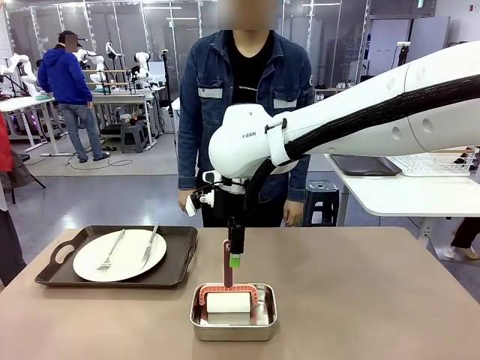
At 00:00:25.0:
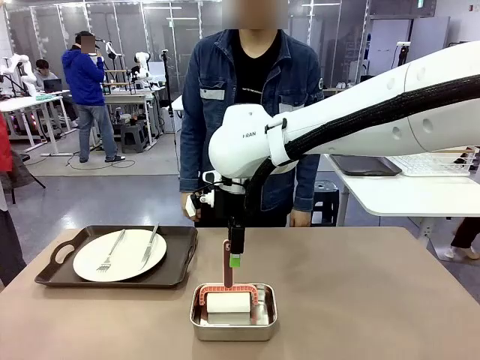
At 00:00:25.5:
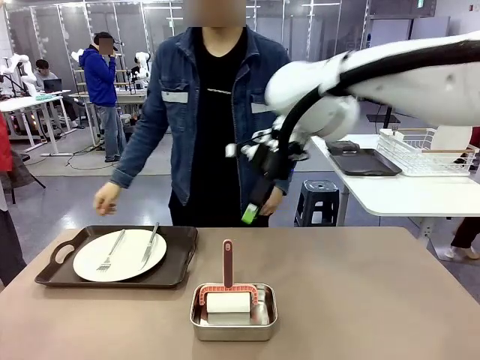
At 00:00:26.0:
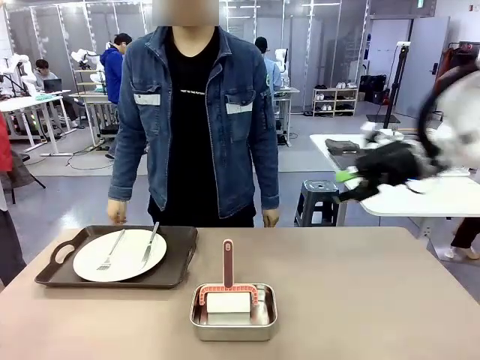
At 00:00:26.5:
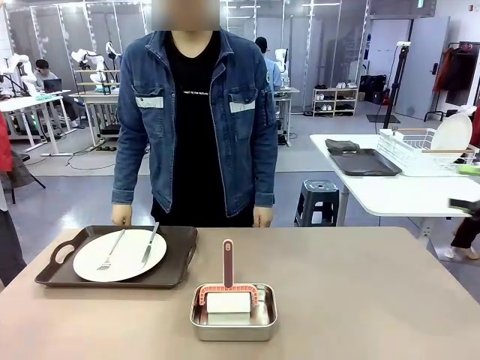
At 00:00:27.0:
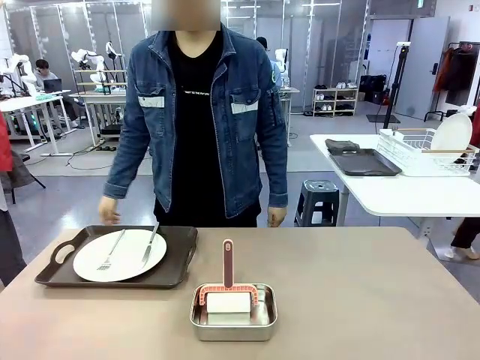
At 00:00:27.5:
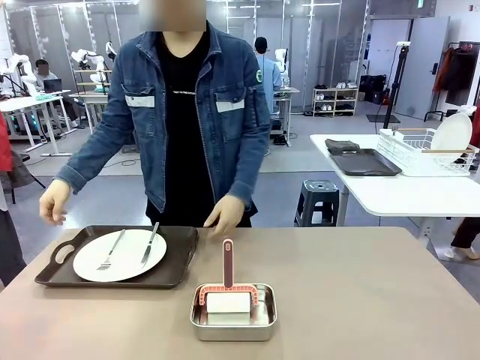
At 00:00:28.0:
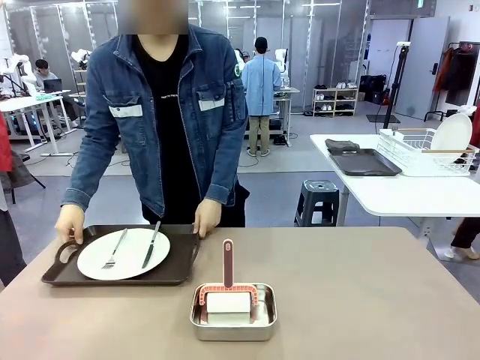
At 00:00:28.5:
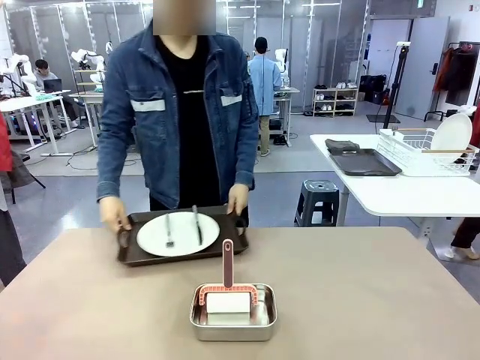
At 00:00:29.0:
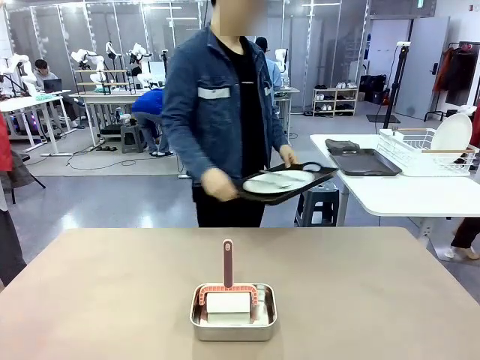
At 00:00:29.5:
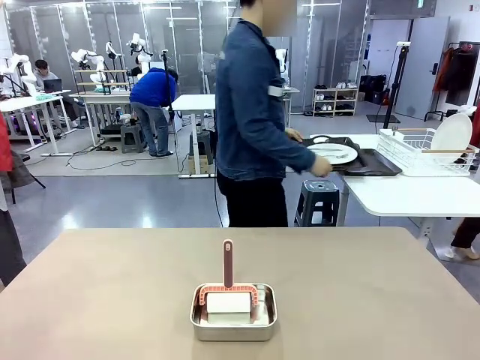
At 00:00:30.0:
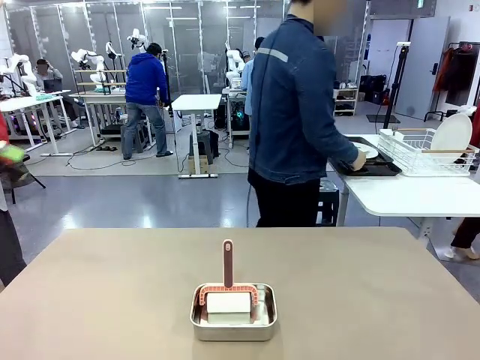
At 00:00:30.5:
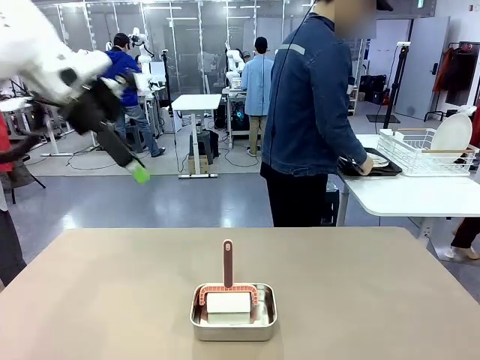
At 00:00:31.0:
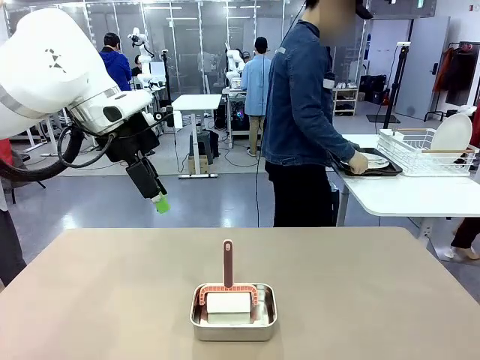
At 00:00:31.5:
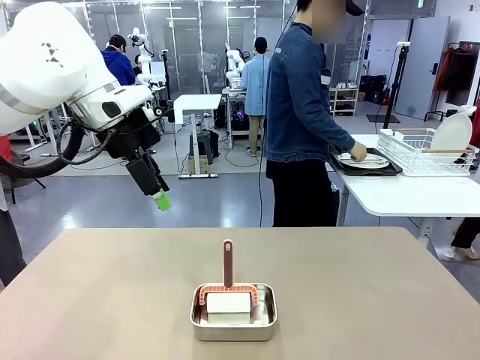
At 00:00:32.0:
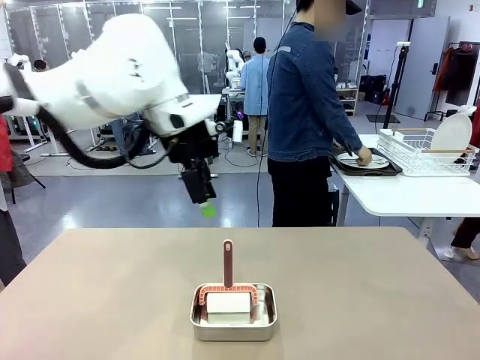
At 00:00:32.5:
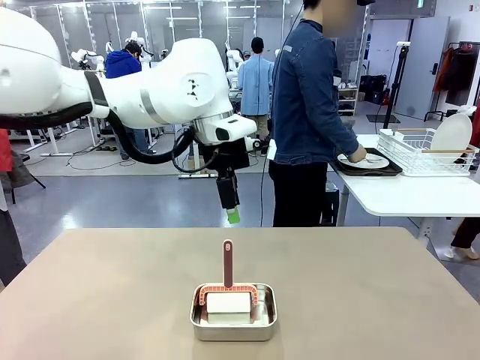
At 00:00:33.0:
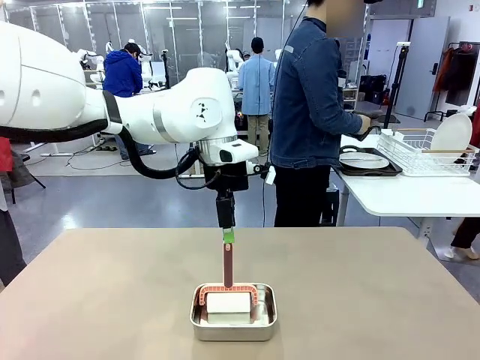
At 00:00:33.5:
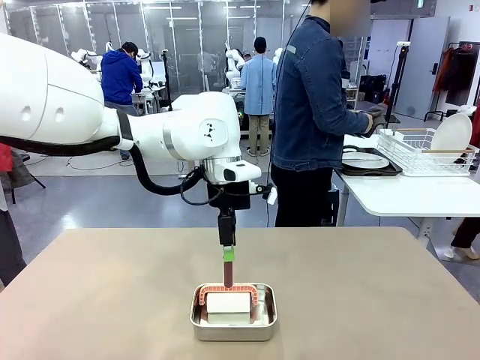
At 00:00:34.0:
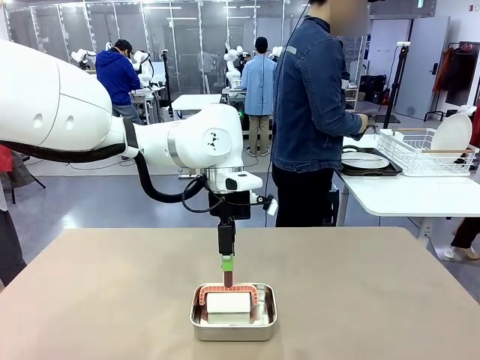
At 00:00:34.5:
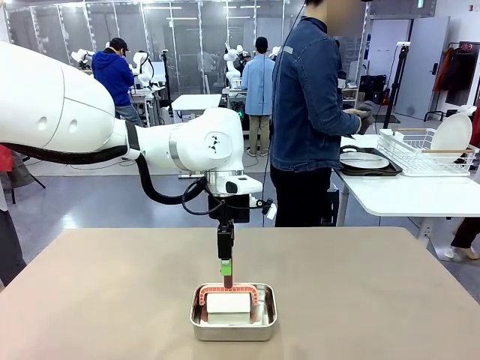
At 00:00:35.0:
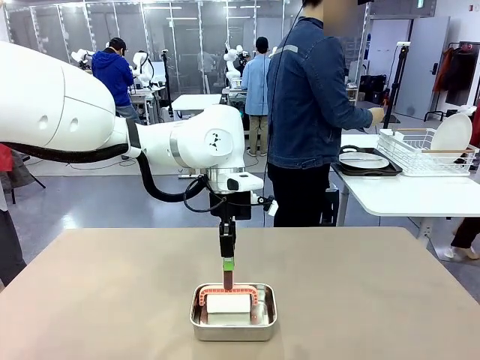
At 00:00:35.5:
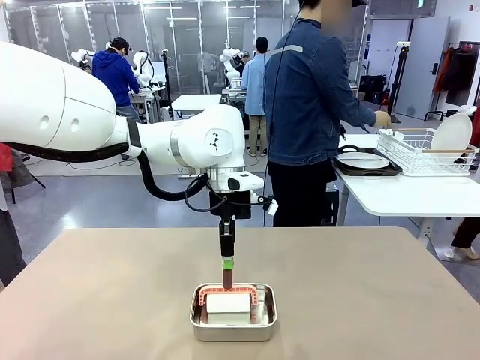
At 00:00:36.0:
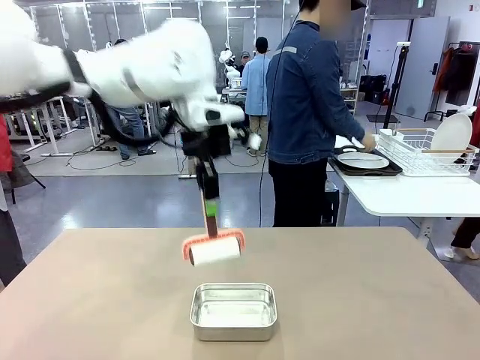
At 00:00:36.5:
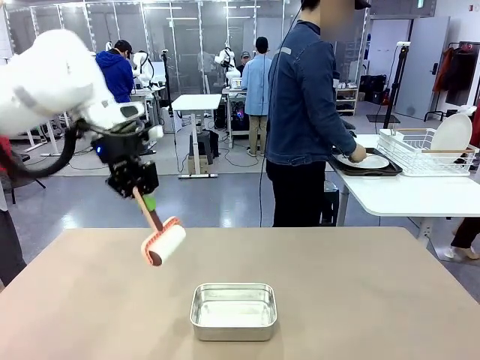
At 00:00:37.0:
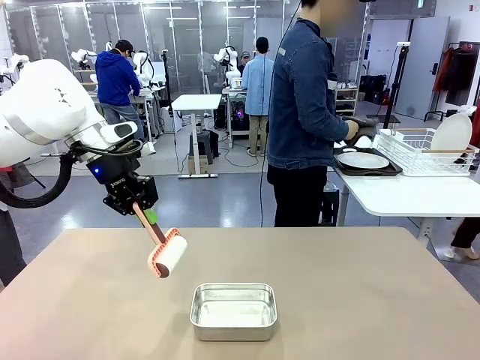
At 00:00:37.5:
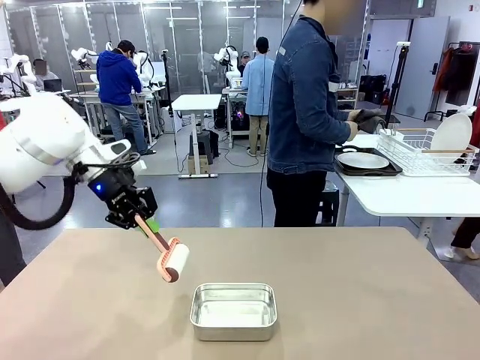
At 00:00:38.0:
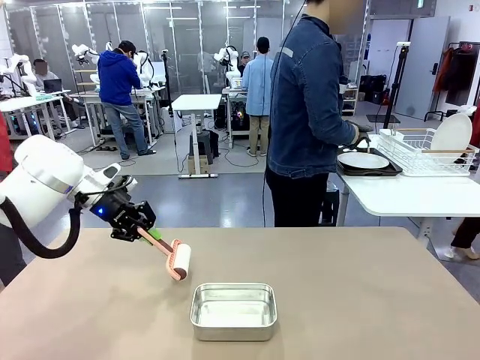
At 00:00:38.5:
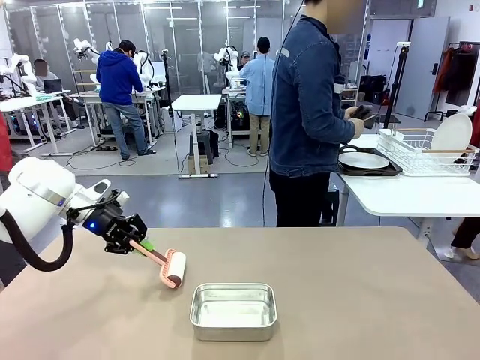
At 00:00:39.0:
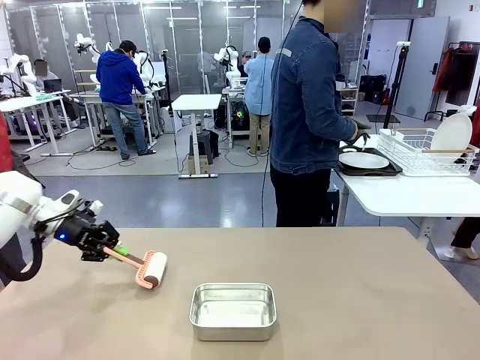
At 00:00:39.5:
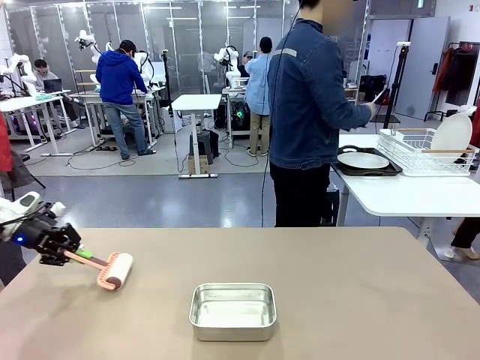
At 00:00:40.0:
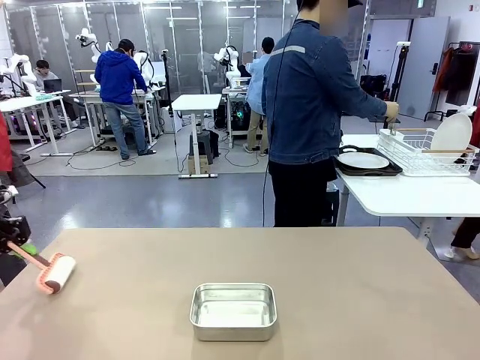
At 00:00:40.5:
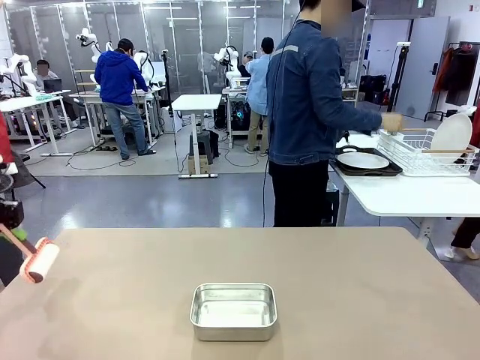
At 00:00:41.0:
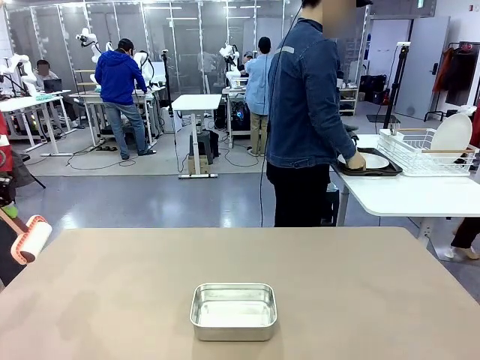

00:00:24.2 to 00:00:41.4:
Robot: When the right (or left) Handle tray is removed, use the right hand (or left hand) to clean the right (or left) side of the table with the Lint Roller.
Person: Pick up the left (or right) Handle tray and place it on the Handle tray.

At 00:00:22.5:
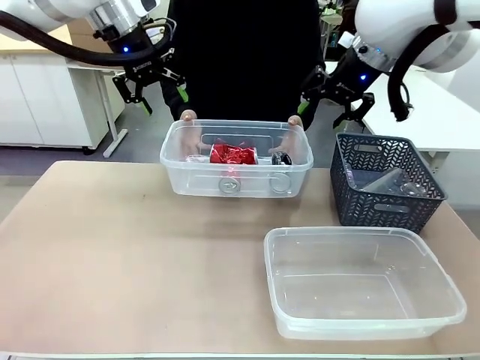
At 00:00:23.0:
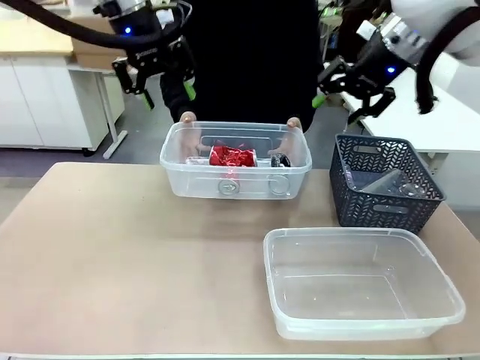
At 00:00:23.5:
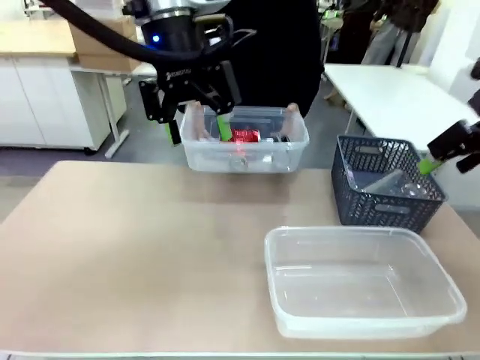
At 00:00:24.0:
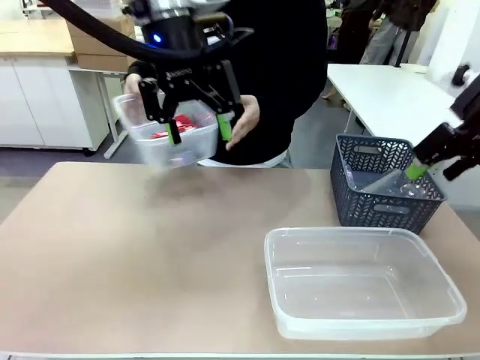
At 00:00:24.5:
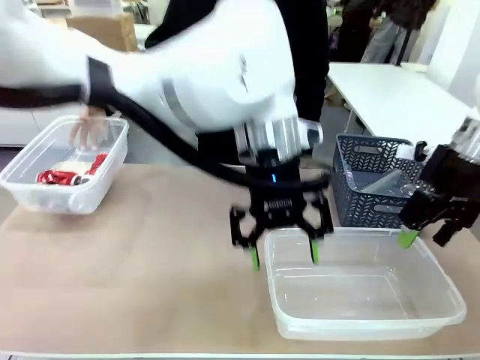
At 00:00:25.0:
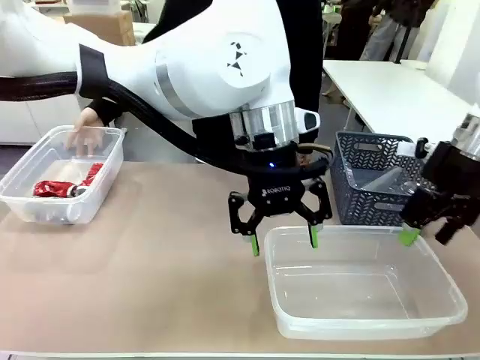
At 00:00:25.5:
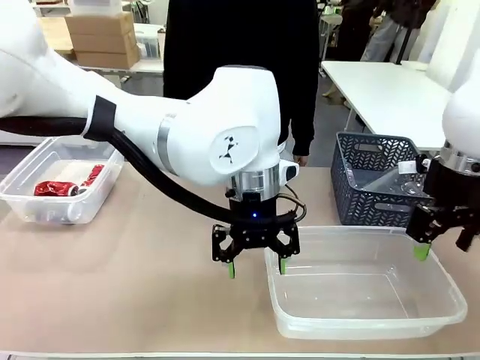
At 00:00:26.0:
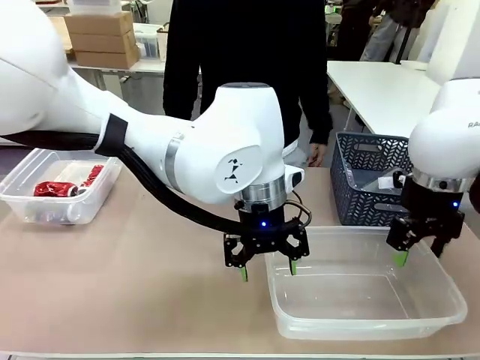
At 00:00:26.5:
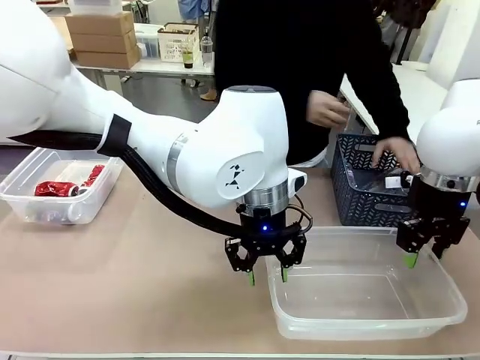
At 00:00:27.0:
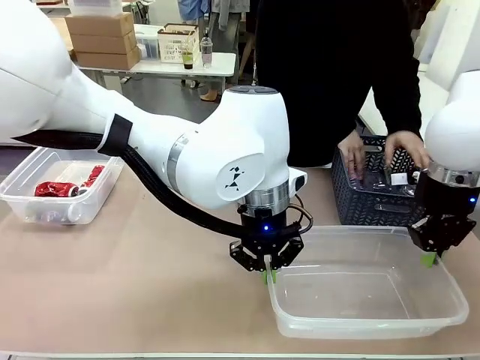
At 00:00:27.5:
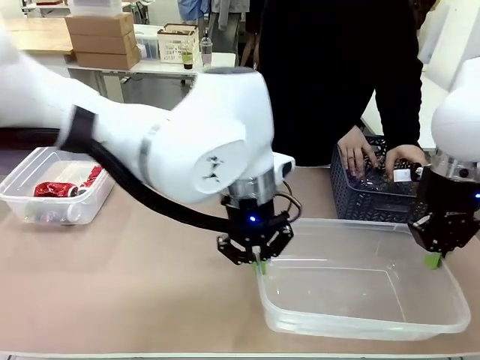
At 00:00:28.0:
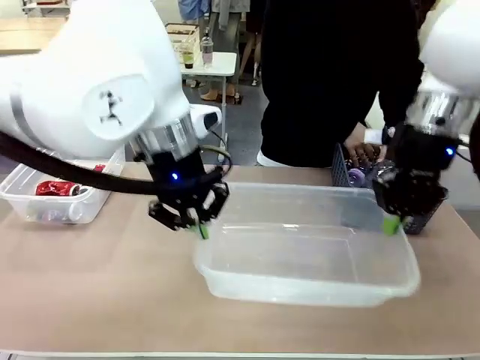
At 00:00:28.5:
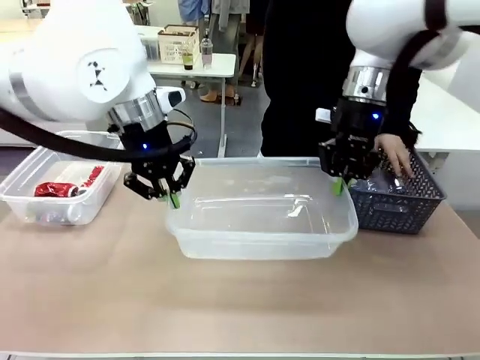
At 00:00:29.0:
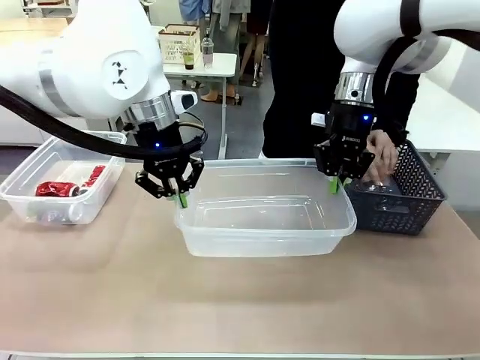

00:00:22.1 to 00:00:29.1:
Robot: Pick up the Organizing box on the right side of the table and lift it.
Person: Place it at the edge of the bottom right area of the robot table.

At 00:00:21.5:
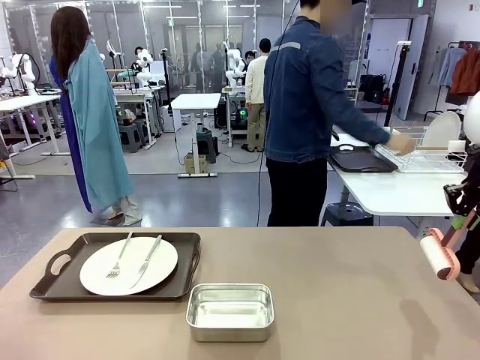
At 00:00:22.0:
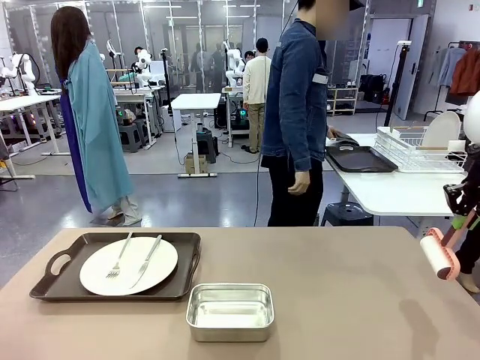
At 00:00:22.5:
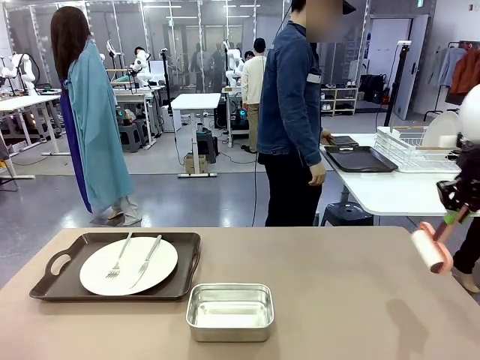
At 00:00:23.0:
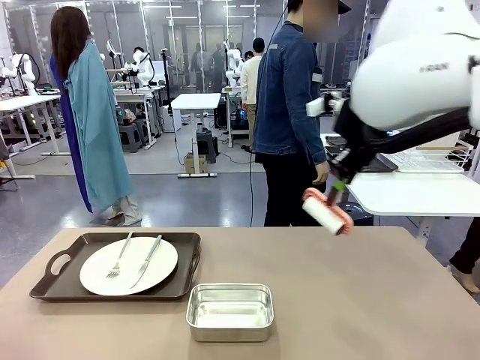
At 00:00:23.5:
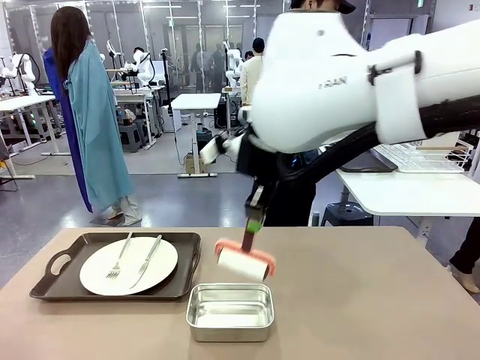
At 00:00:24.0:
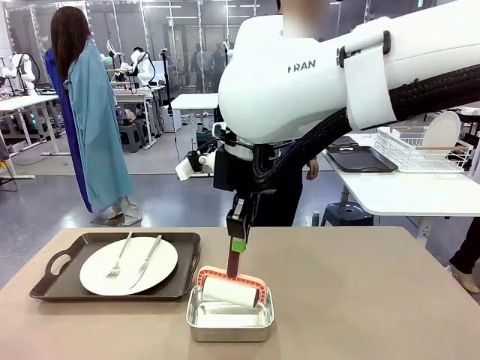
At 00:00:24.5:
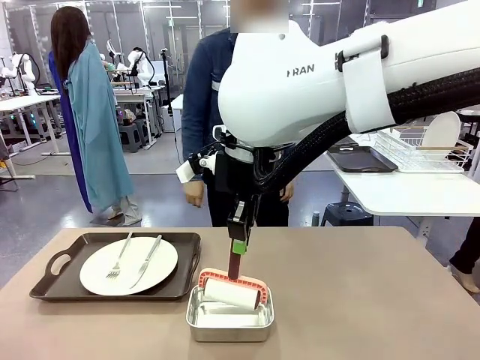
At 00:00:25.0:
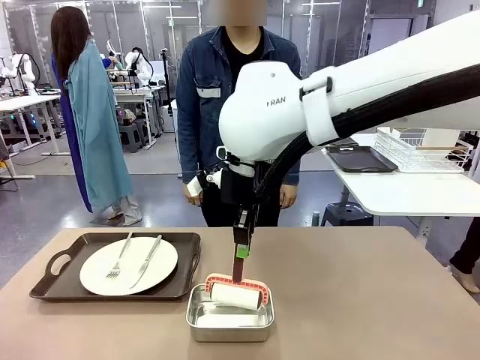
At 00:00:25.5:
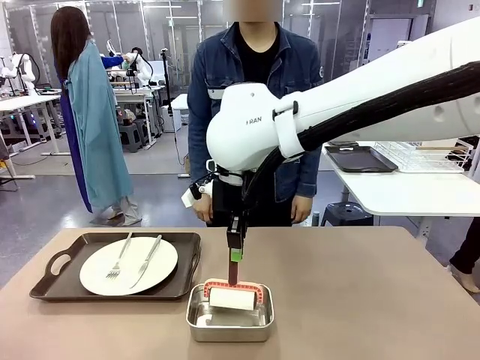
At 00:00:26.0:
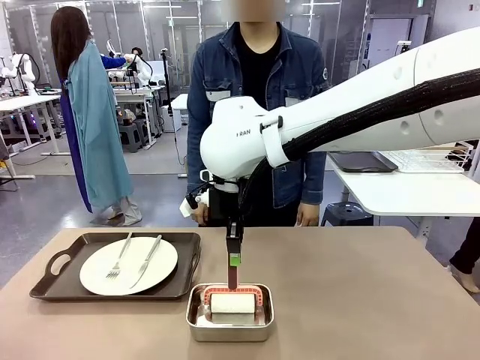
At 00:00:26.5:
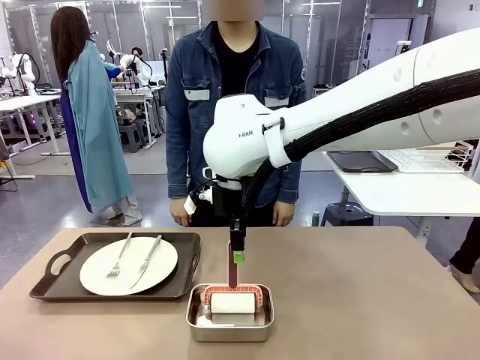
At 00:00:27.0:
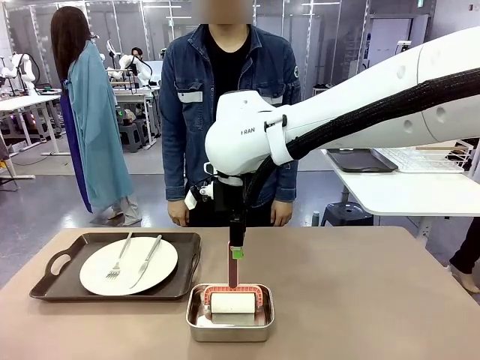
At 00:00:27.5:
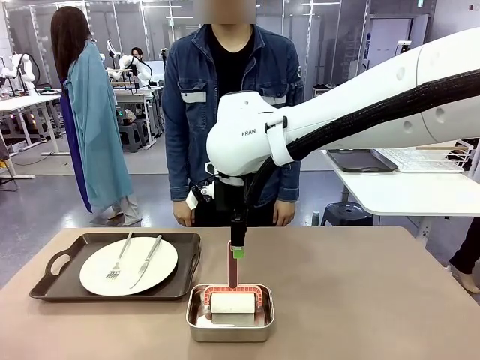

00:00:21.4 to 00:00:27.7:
Robot: Place the Lint Roller back on top of the Airtight Container.
